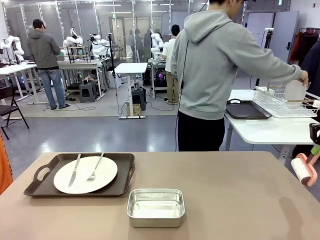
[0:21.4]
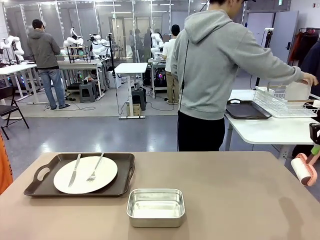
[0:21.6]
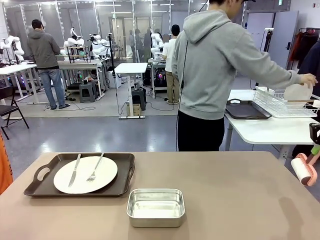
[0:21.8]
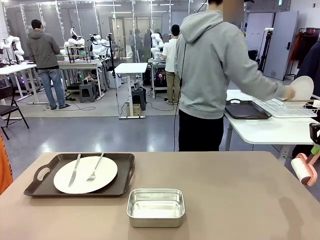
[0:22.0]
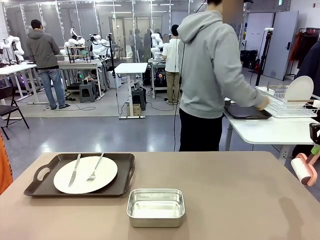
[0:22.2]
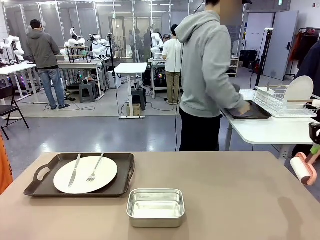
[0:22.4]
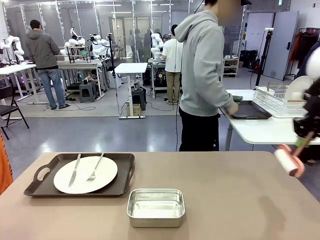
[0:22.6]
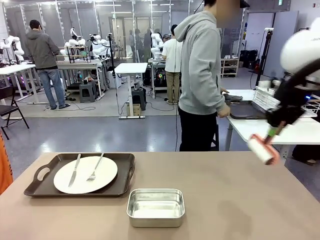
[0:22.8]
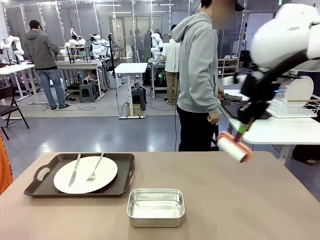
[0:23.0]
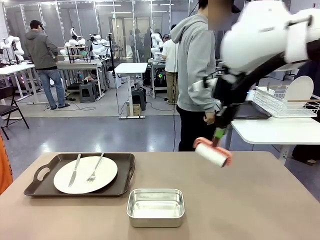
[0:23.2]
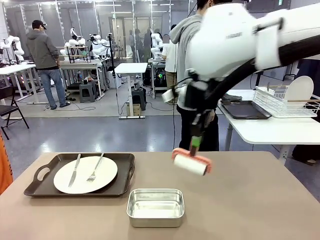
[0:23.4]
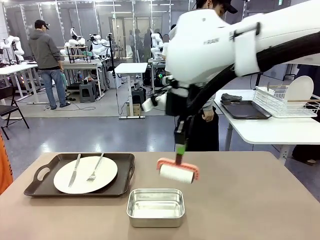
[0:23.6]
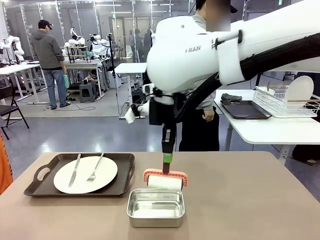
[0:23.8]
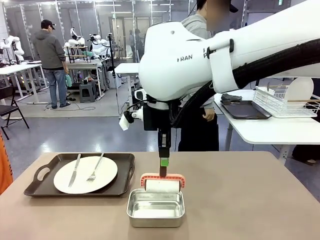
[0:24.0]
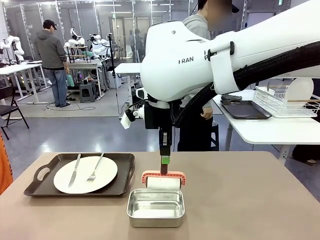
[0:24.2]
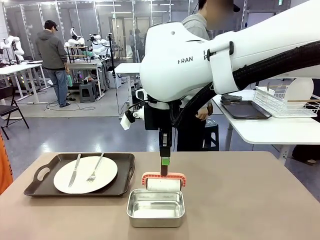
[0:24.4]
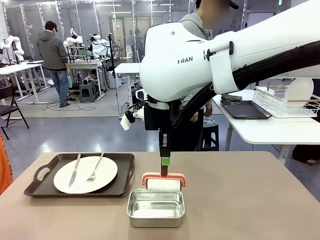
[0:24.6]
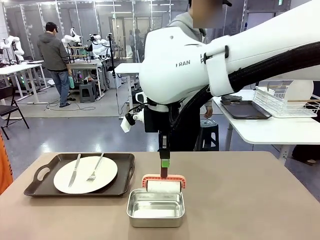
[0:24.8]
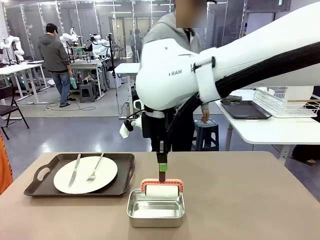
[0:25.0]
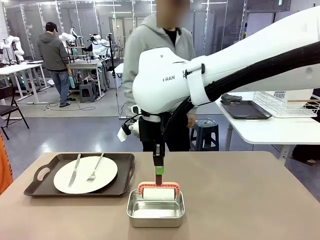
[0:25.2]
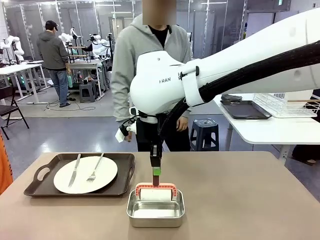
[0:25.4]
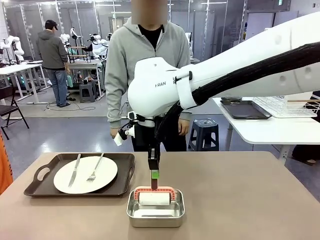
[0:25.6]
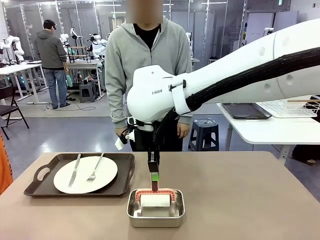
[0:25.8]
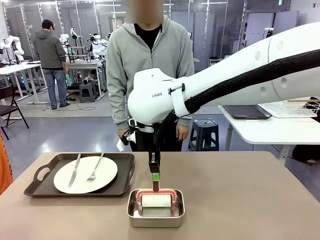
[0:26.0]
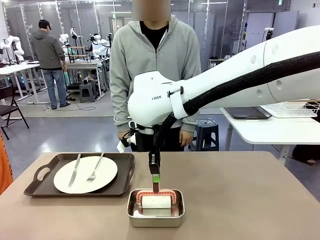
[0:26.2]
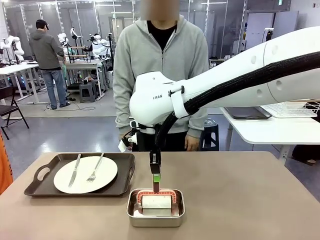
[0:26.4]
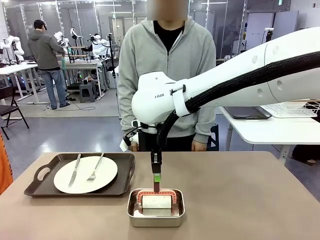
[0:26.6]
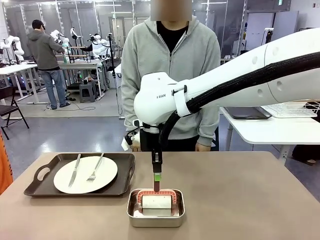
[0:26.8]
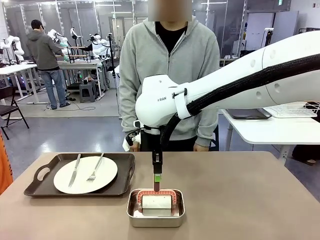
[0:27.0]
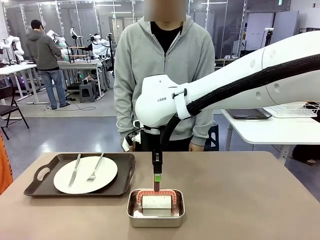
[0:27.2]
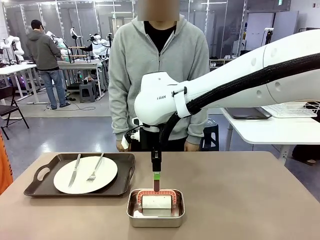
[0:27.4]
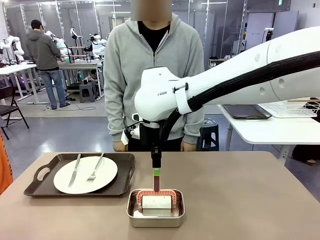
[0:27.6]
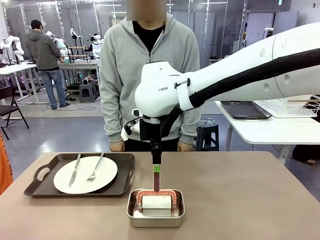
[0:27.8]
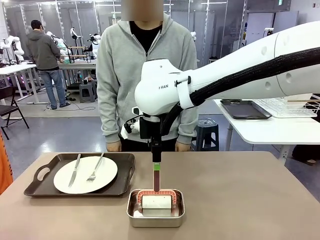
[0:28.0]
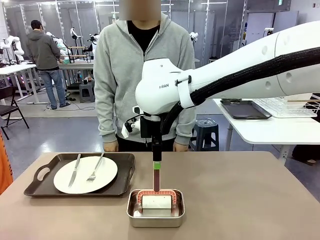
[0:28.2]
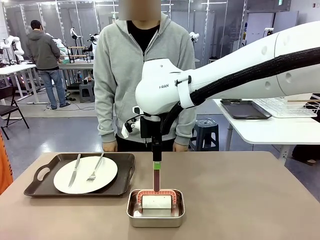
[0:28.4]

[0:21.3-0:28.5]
Robot: Place the Lint Roller back on top of the Airtight Container.

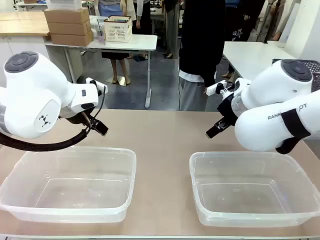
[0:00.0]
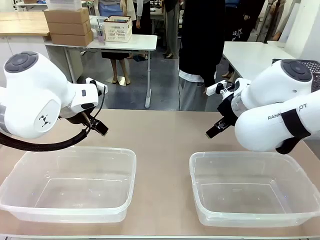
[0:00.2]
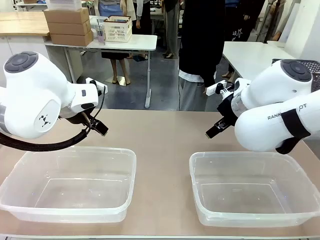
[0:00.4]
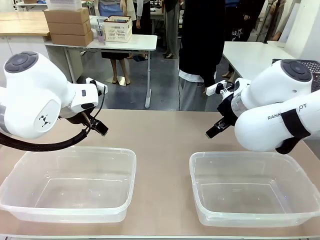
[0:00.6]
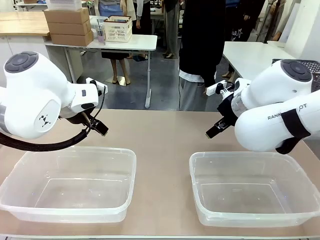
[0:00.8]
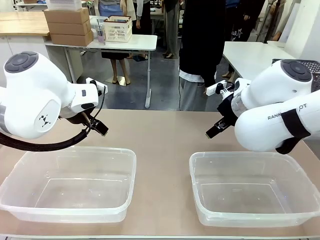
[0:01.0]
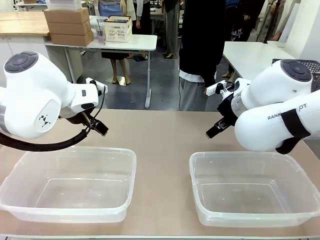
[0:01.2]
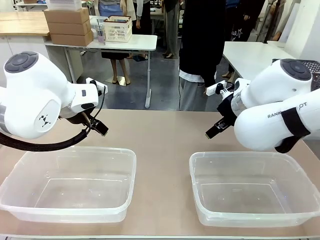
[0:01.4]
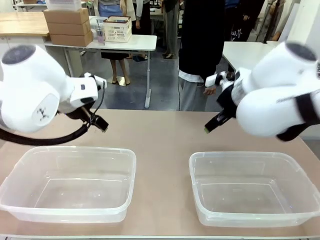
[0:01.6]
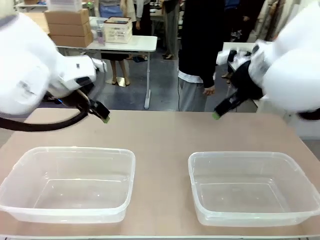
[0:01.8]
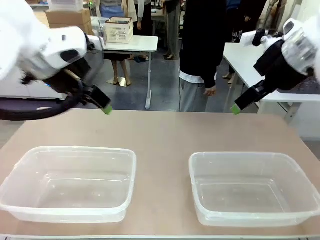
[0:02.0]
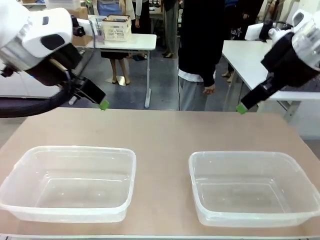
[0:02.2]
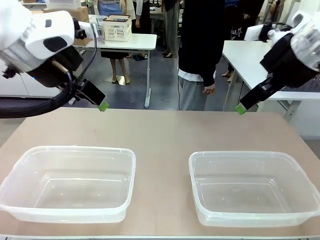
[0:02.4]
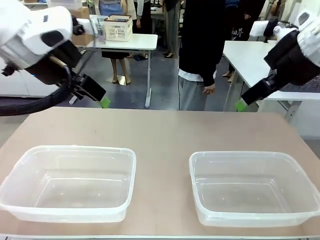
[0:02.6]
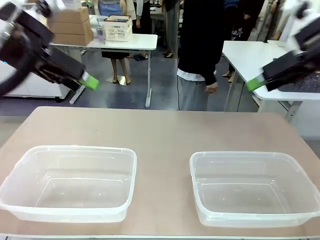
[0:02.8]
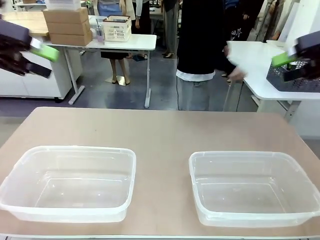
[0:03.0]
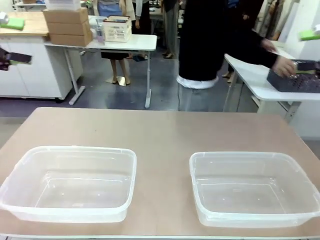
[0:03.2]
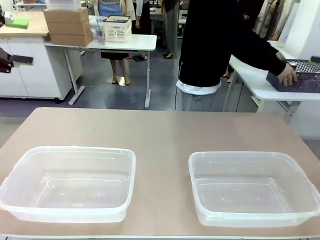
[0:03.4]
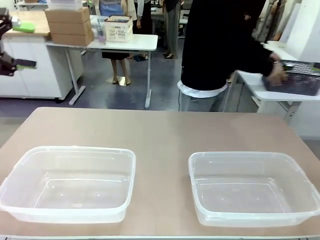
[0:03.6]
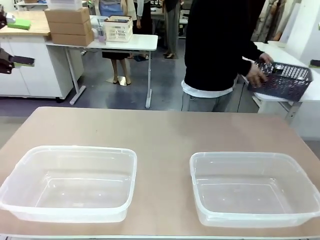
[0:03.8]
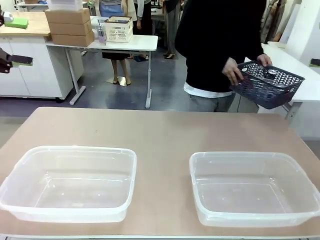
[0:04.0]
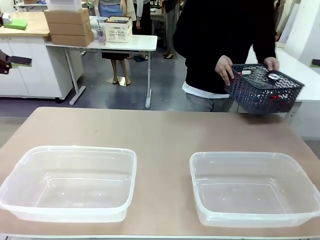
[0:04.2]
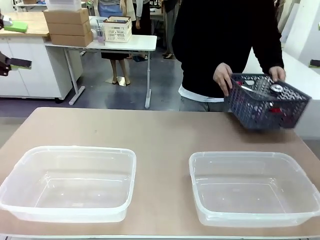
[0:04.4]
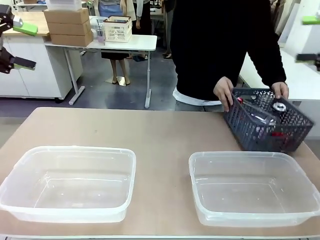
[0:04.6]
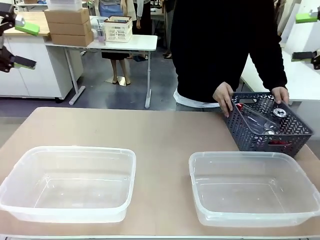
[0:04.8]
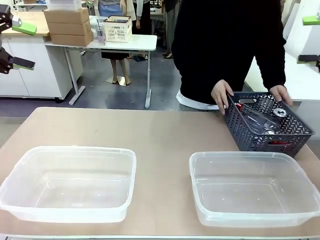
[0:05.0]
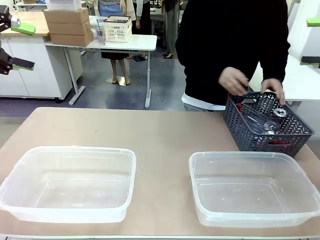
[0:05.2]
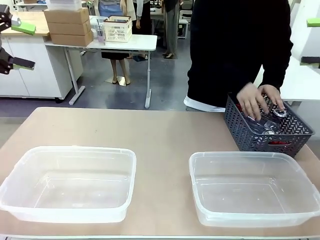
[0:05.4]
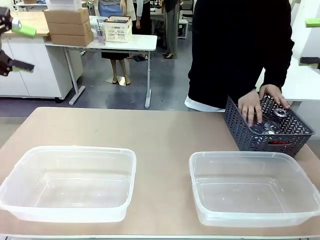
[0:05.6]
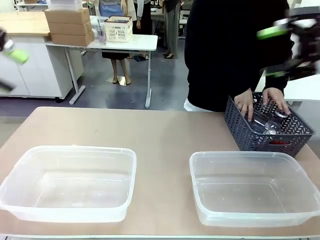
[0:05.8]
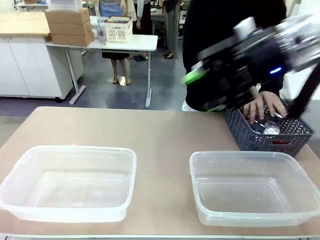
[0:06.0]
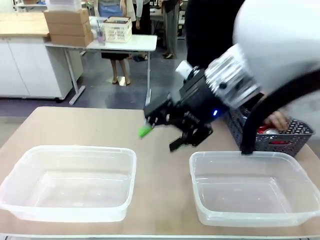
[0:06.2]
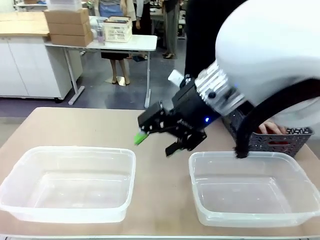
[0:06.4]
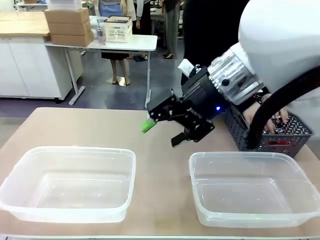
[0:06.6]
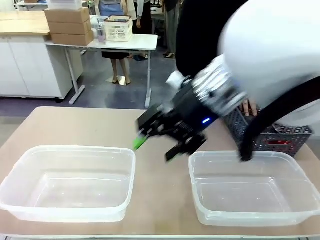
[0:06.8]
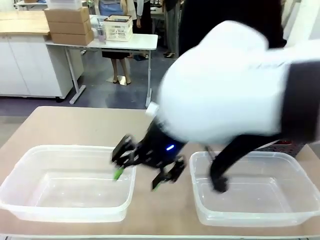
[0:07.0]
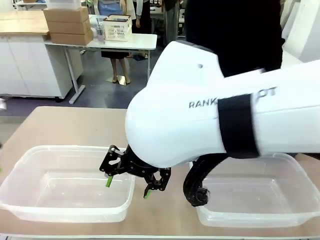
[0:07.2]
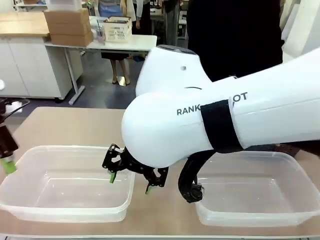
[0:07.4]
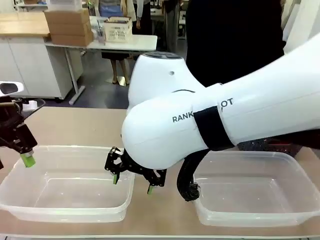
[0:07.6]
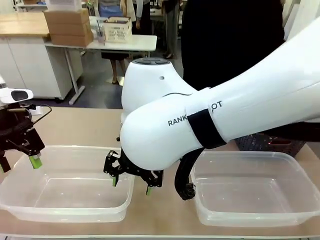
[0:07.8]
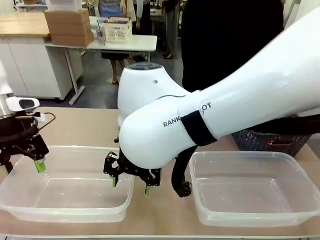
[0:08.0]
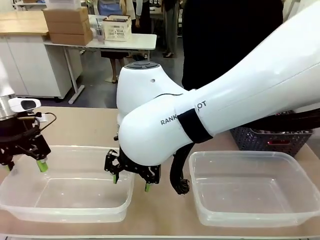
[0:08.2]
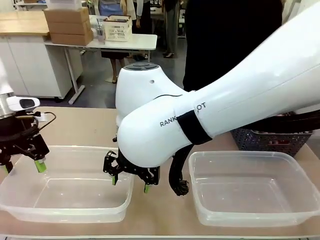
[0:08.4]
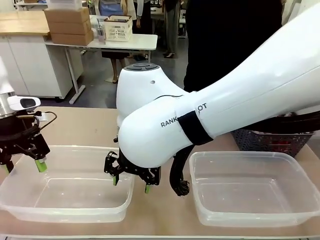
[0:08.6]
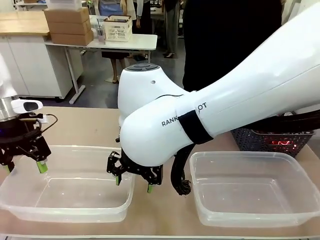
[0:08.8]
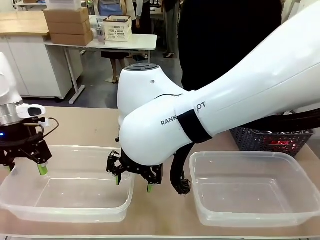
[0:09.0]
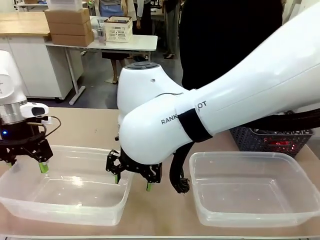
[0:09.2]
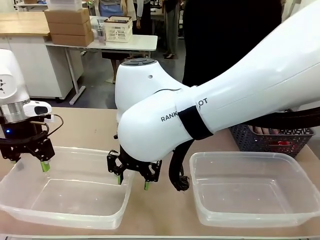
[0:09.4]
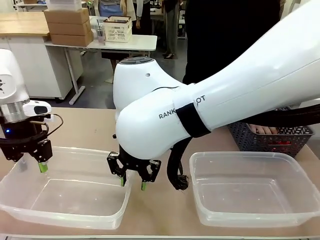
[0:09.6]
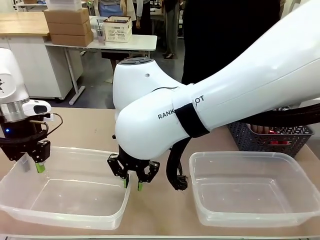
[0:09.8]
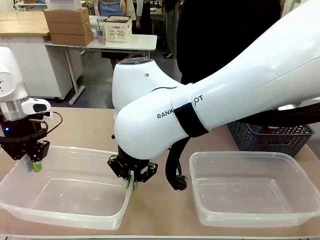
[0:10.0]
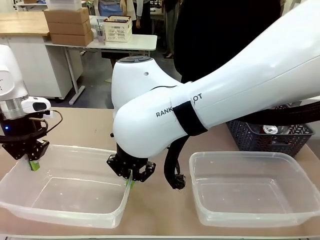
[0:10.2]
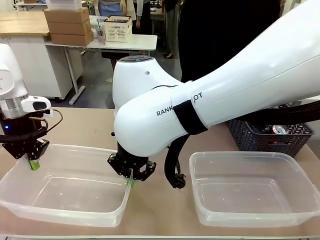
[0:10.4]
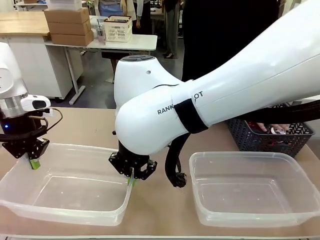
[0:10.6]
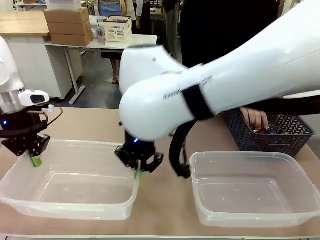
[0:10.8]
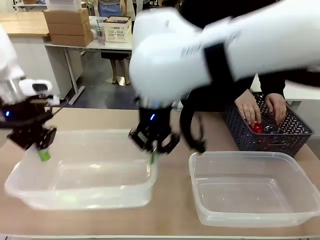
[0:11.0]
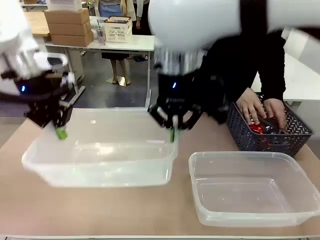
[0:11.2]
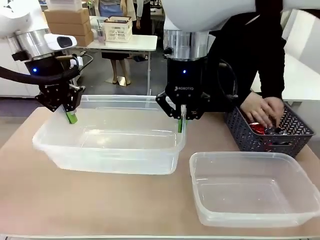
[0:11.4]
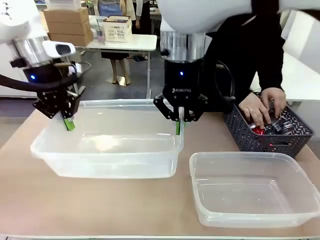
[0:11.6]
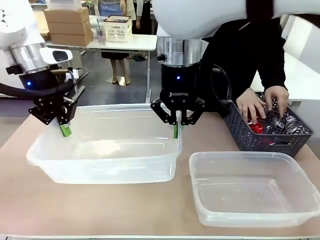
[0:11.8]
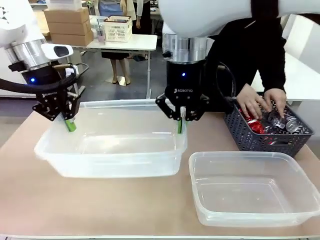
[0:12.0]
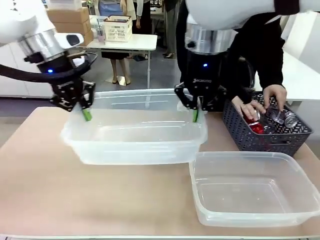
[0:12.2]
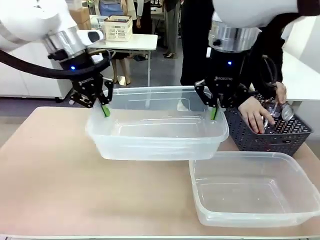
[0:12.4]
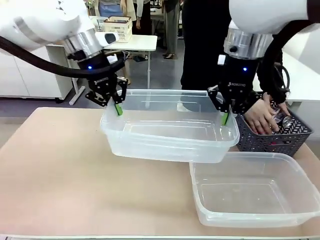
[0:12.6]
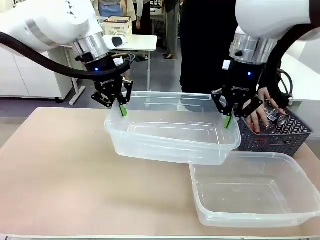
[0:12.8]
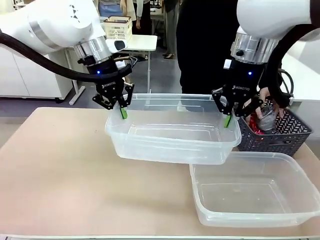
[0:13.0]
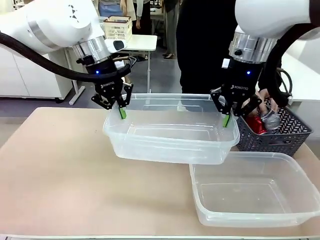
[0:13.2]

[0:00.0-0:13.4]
Robot: Pick up the Organizing box on the left side of the table and lift it.
Person: Pick up the storage basket and place it on the left side of the robot table. Pick up can-shaped waste one by one and place it into the organizing box lifted by the robot.
